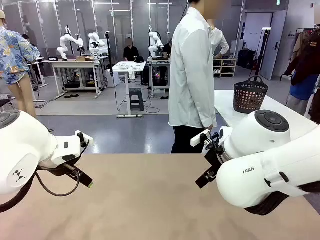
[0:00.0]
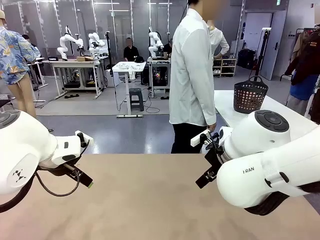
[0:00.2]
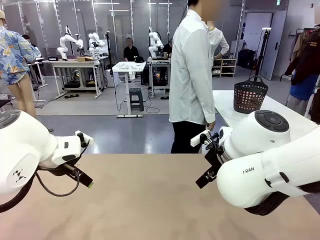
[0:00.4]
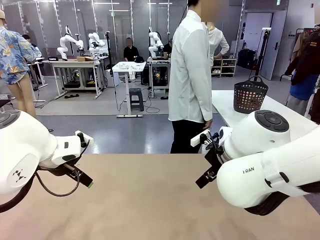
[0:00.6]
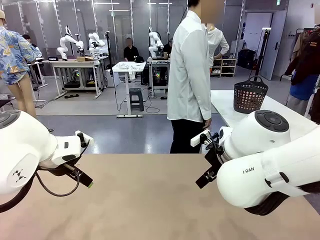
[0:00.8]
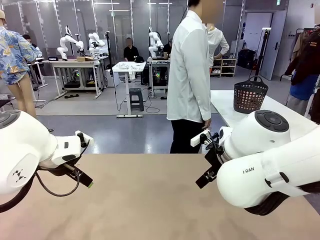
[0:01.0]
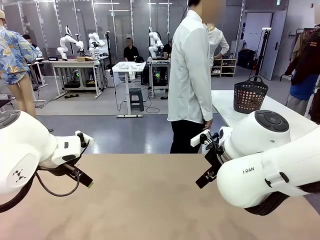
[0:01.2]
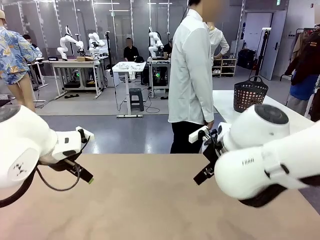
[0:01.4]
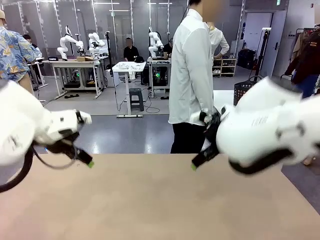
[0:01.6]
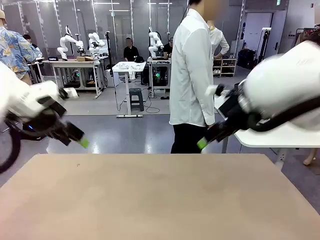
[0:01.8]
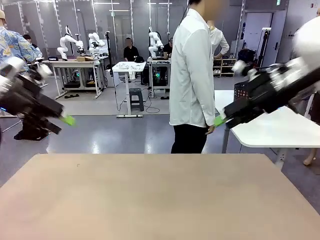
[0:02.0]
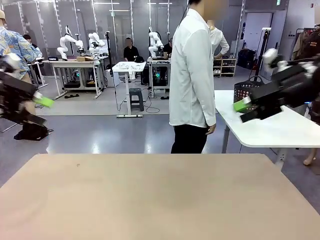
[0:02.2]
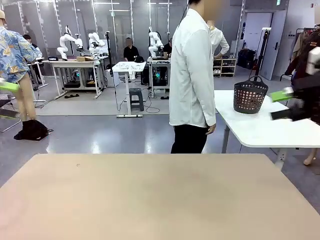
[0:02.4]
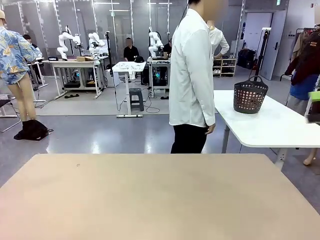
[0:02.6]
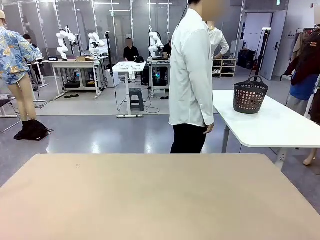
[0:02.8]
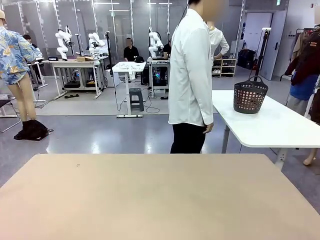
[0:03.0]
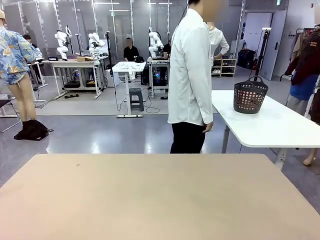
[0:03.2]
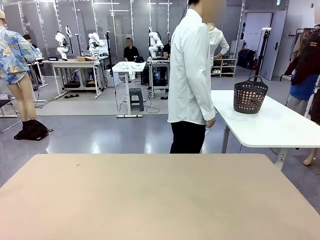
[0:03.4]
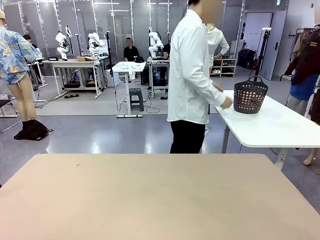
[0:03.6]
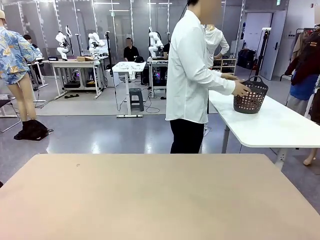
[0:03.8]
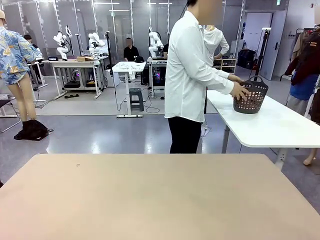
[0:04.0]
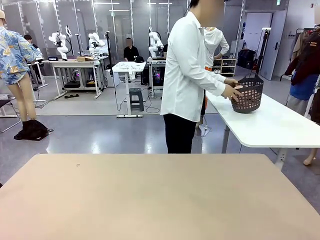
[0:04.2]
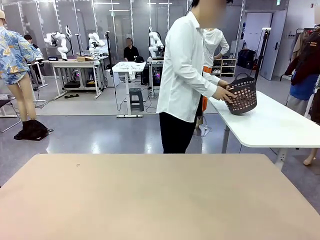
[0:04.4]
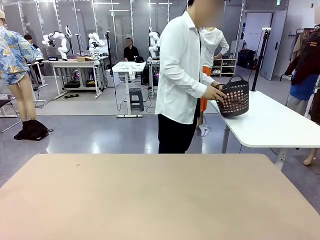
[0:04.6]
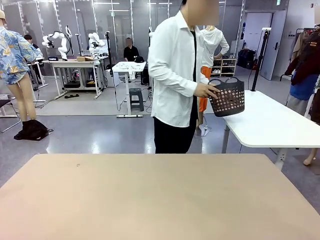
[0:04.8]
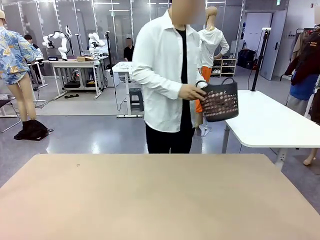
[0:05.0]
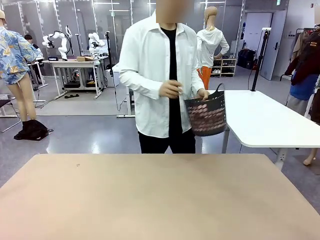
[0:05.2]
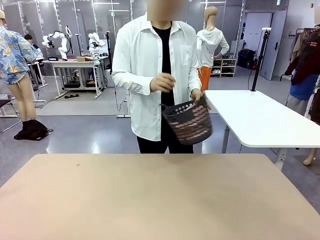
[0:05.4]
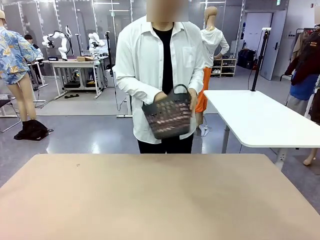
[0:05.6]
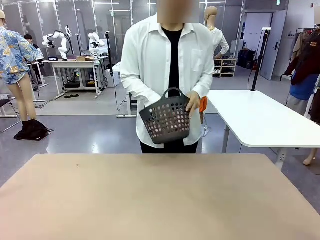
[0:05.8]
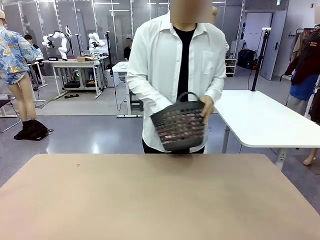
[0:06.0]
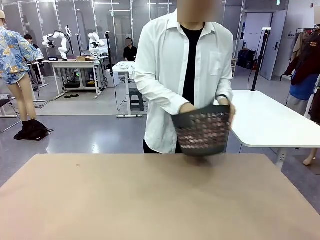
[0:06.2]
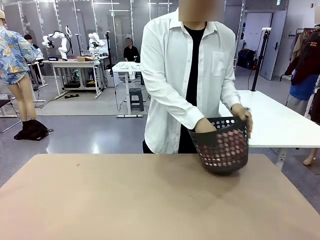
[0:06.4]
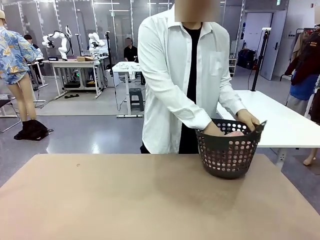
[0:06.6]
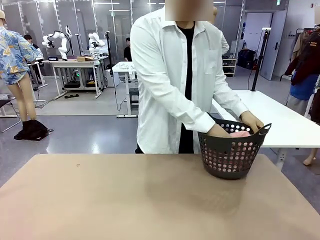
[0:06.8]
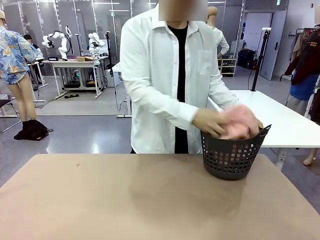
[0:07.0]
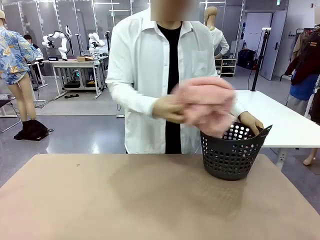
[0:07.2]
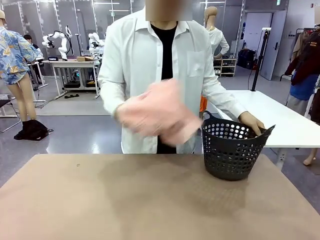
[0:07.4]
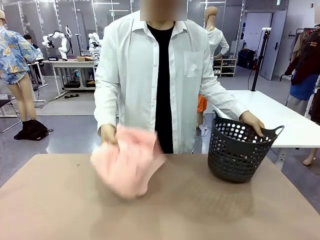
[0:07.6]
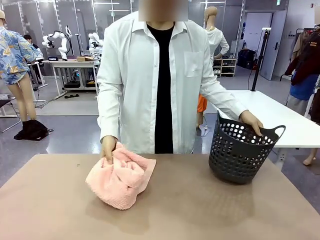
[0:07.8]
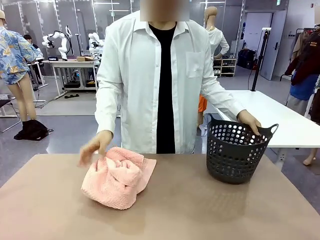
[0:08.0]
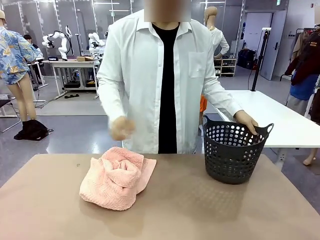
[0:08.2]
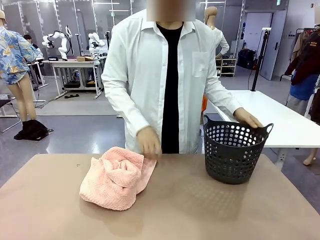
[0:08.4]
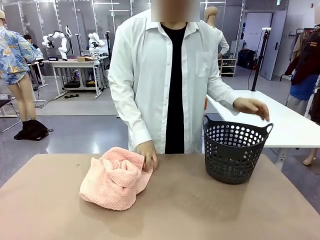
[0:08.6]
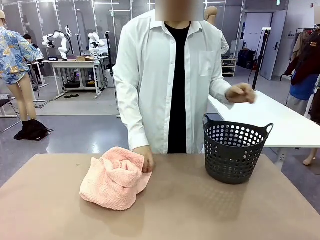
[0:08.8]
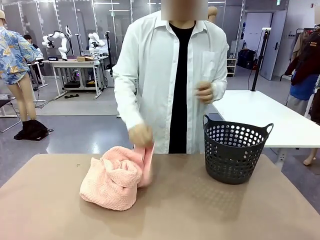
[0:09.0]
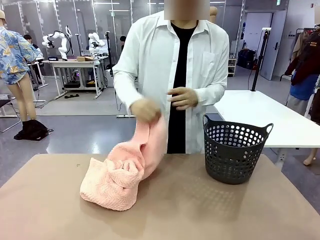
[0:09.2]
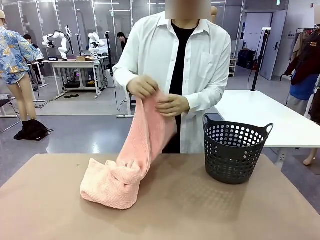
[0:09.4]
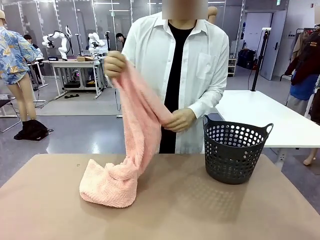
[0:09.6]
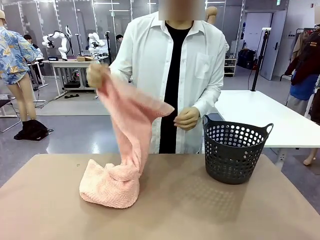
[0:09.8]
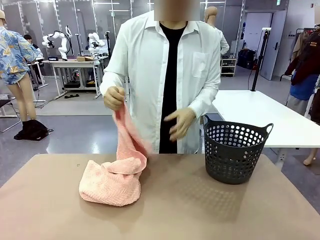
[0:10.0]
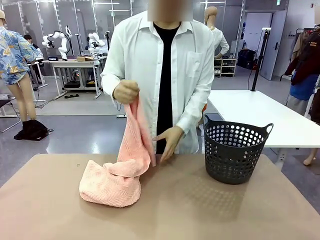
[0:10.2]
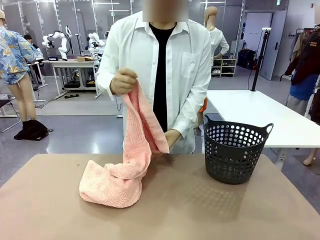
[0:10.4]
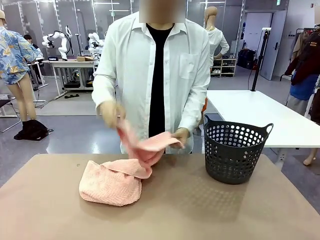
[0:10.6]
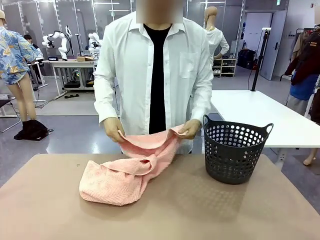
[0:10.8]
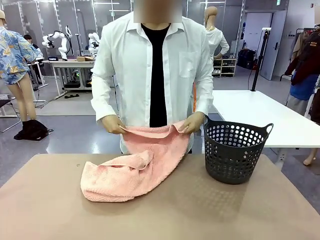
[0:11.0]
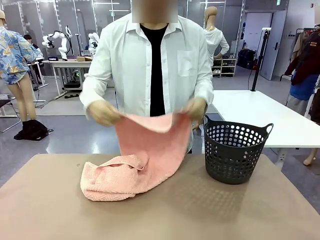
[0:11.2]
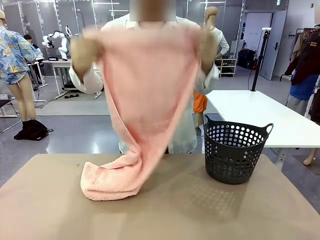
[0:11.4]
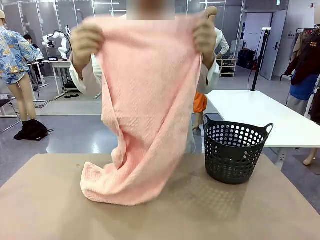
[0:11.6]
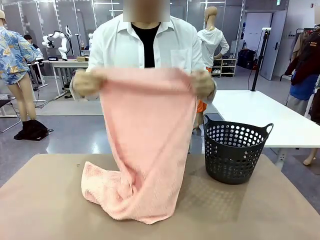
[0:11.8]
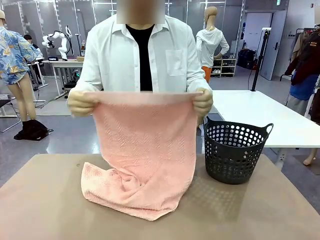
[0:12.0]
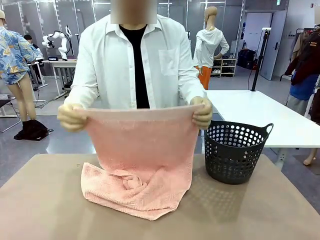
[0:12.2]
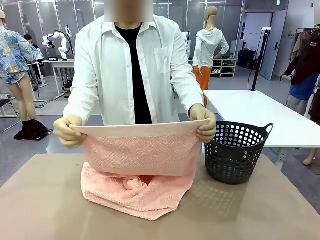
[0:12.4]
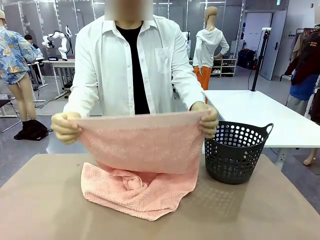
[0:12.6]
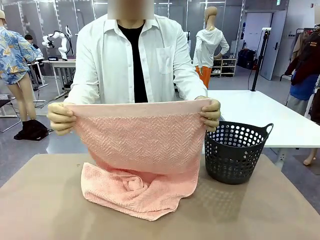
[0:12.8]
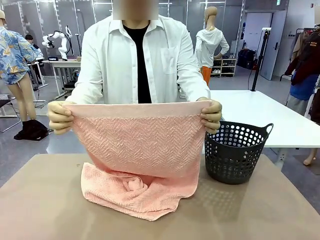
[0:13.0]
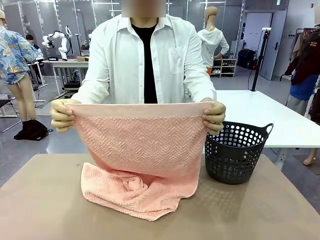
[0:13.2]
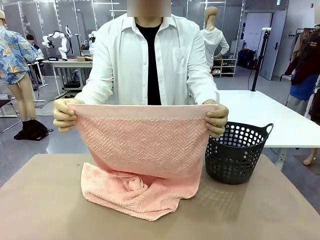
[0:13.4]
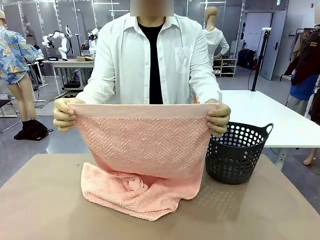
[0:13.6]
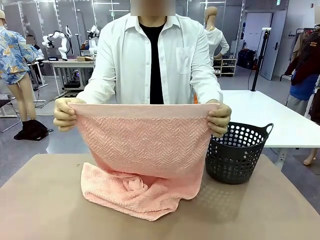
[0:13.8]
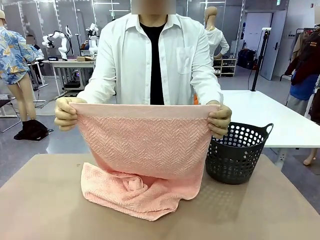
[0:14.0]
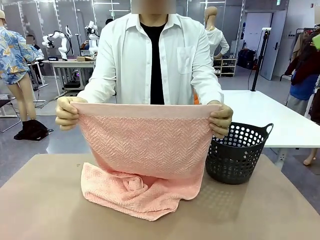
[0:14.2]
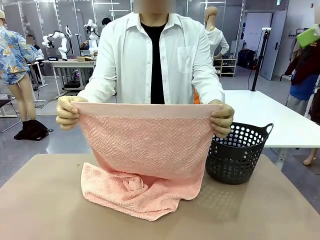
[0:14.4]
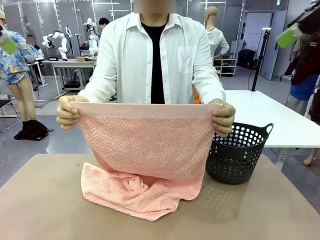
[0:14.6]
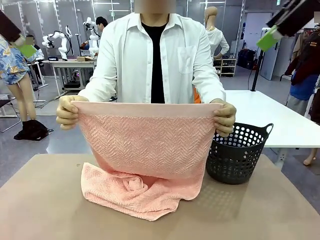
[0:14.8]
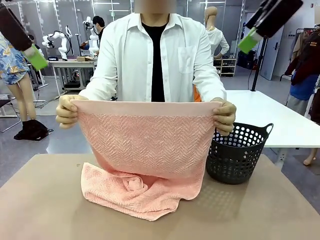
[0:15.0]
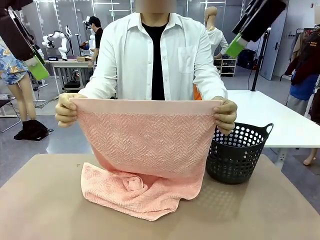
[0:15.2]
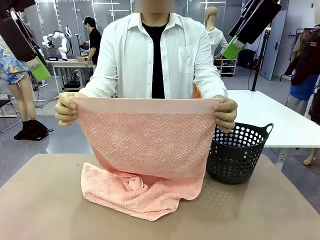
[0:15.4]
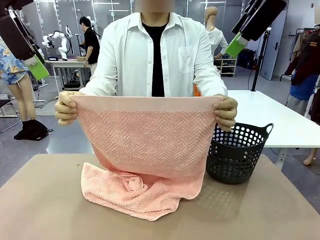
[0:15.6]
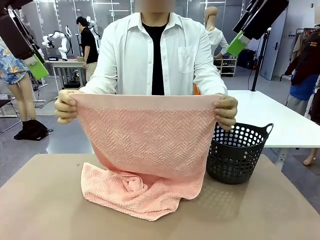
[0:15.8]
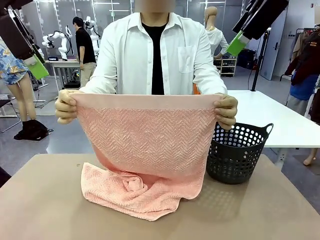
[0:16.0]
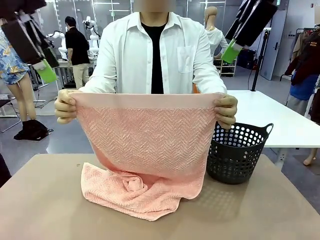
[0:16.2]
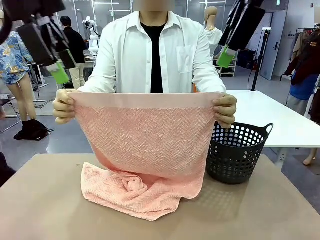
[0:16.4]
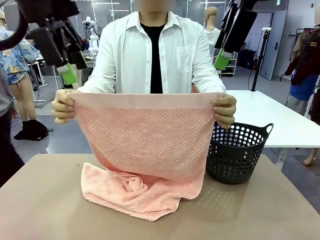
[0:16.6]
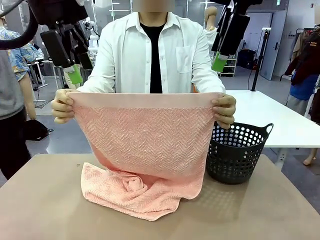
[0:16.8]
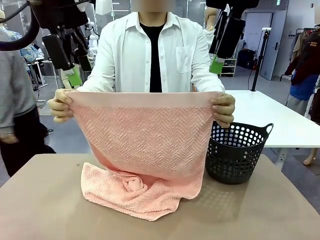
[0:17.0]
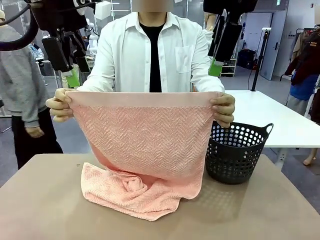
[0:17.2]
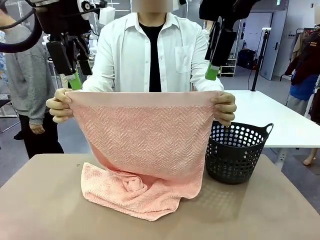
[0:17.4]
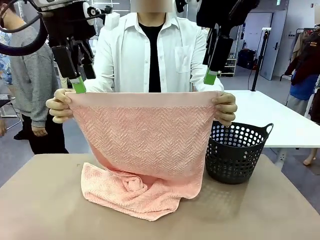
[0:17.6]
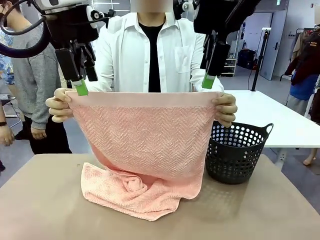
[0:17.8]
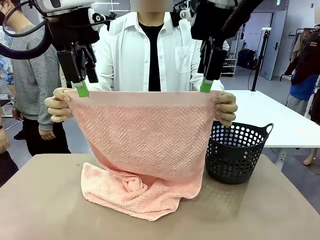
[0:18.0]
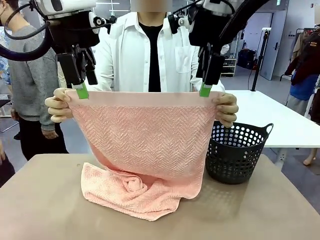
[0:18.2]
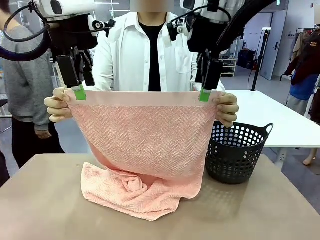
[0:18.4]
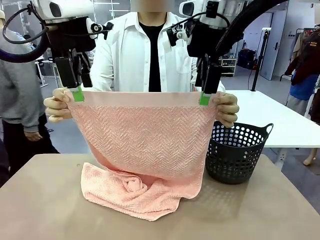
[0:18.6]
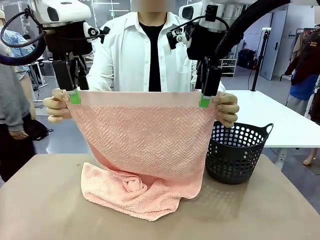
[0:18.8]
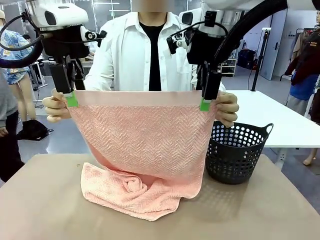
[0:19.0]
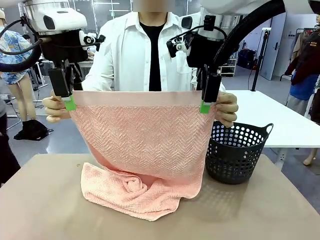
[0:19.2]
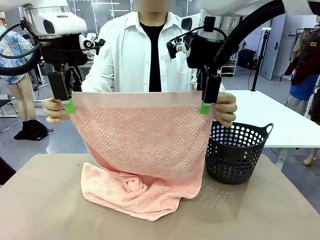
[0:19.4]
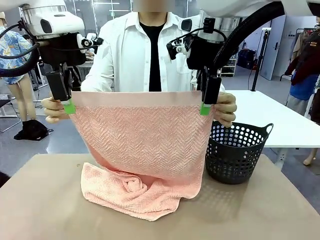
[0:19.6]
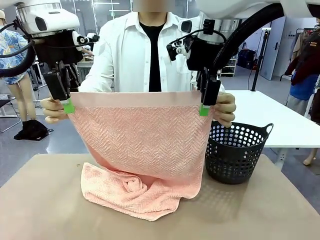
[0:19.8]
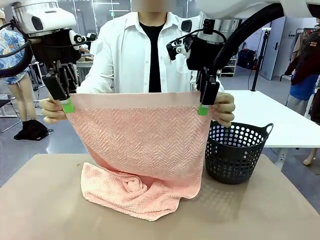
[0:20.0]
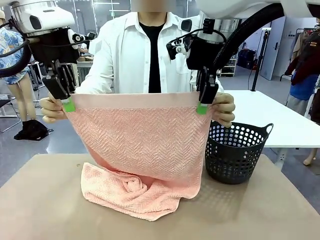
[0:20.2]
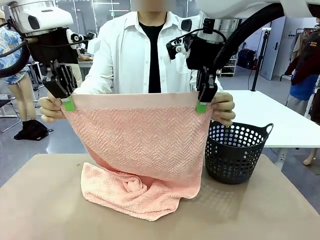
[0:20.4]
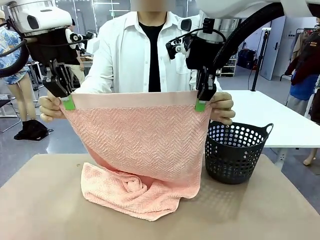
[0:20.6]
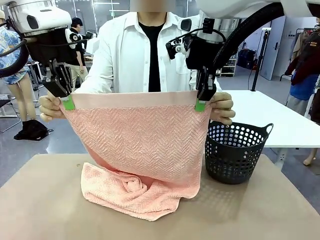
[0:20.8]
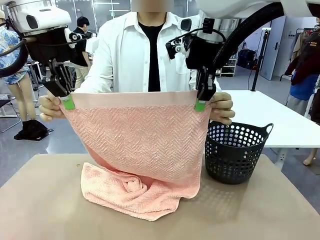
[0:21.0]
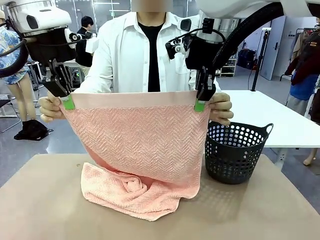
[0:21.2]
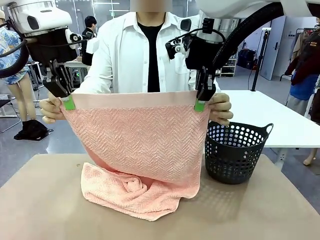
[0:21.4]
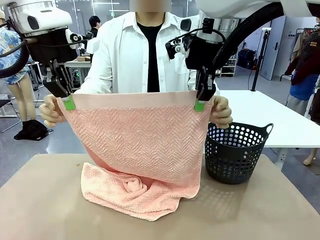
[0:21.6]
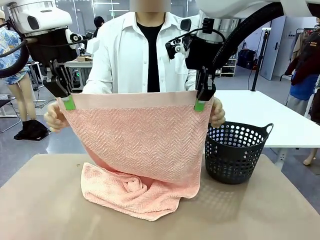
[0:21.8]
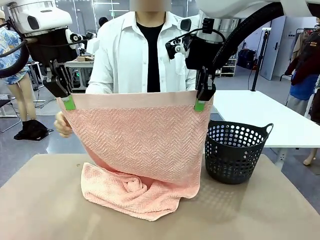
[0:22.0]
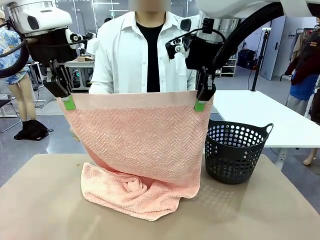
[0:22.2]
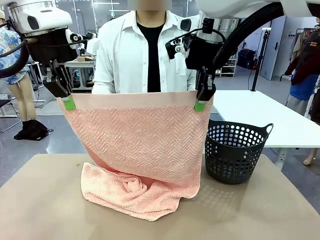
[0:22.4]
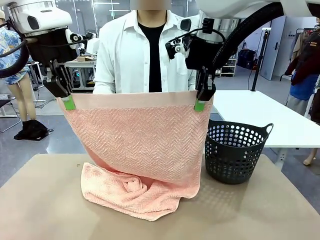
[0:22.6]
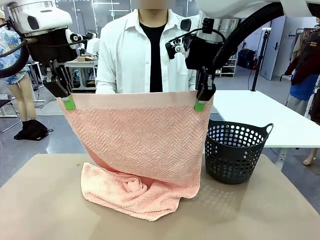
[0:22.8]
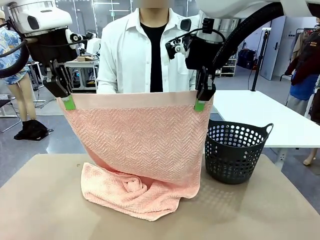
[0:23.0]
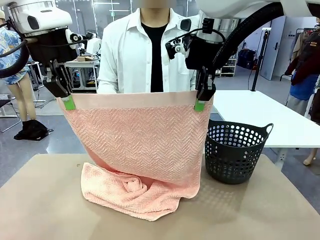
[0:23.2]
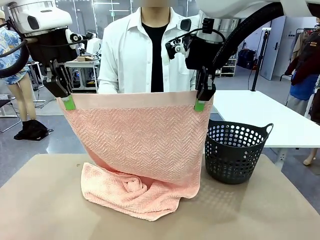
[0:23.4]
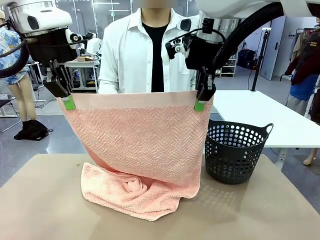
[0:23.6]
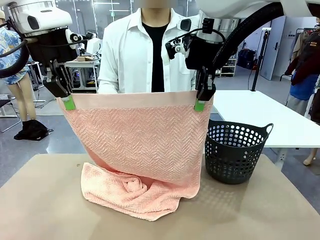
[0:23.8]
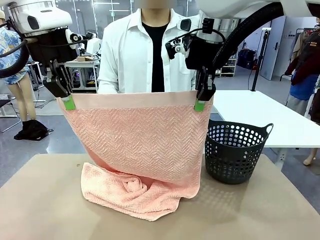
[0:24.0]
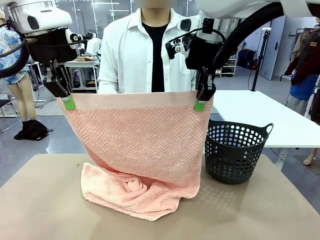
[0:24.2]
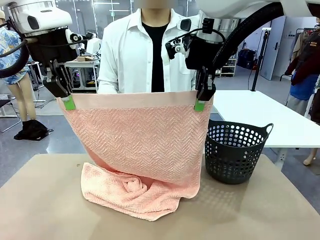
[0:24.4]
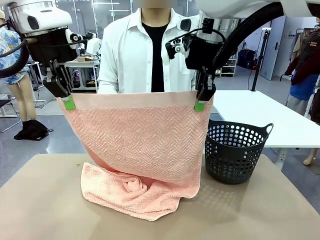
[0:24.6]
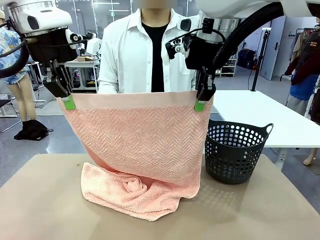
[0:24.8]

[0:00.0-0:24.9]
Task: Fold the towel.
Robot: Grab the top end of the 100 cm Hotel Towel extended by the human.
Person: Pick up the laundry basket, place it on the left side of the robot table, then take out a towel and hand it to the robot while holding both corners of one end.
